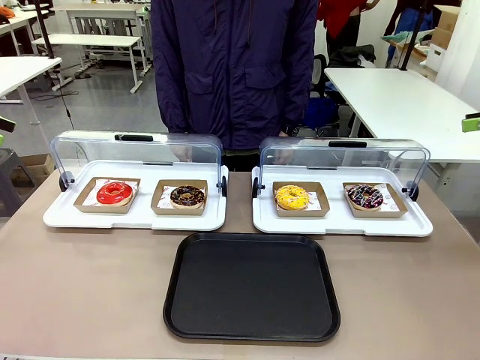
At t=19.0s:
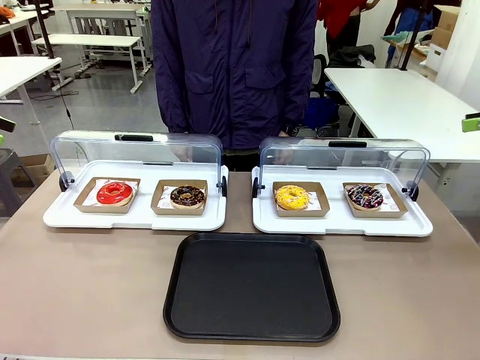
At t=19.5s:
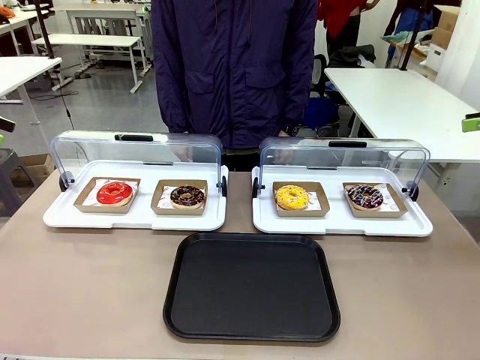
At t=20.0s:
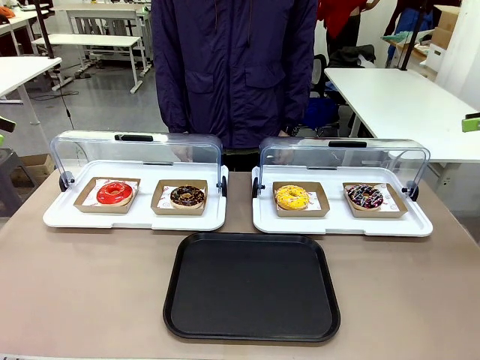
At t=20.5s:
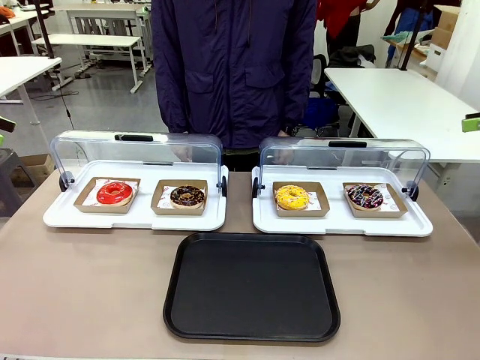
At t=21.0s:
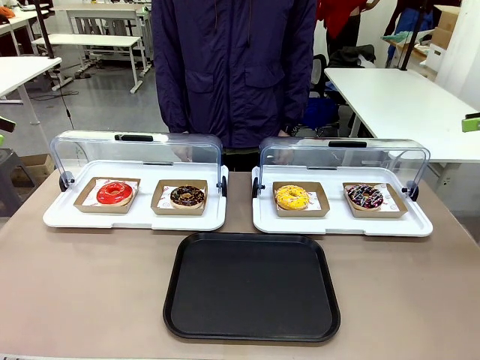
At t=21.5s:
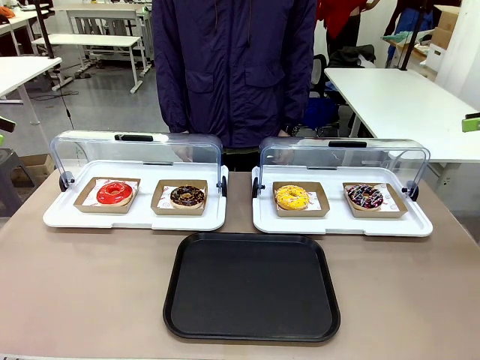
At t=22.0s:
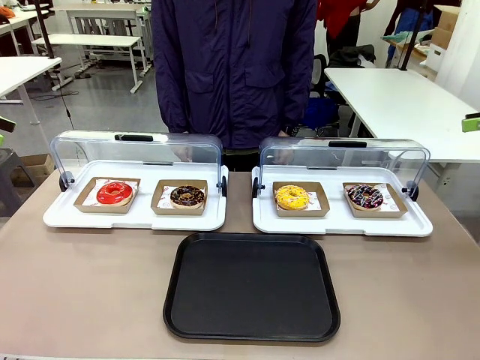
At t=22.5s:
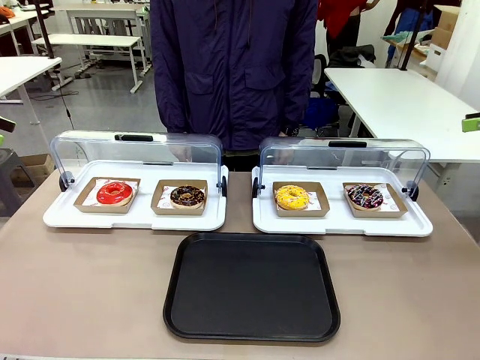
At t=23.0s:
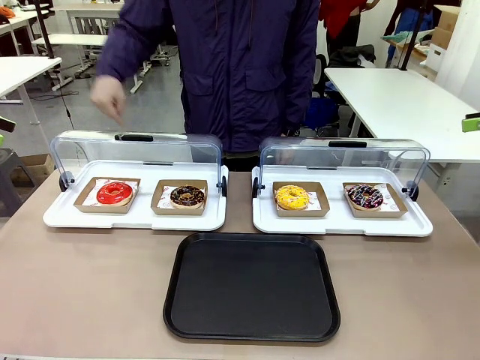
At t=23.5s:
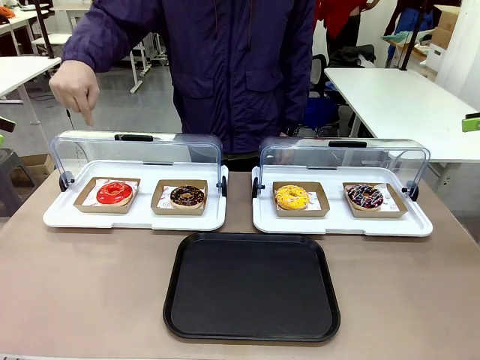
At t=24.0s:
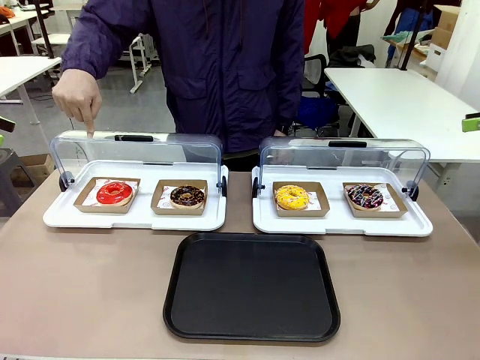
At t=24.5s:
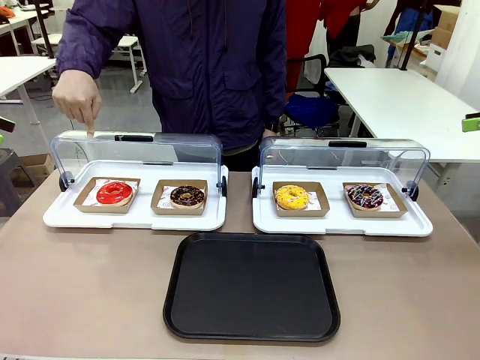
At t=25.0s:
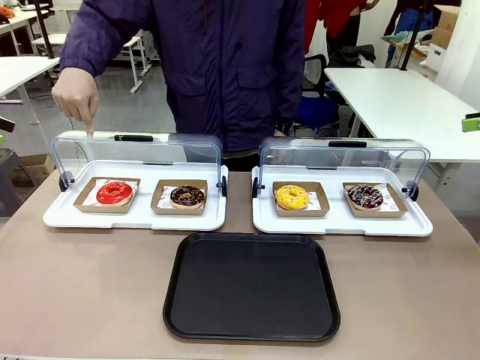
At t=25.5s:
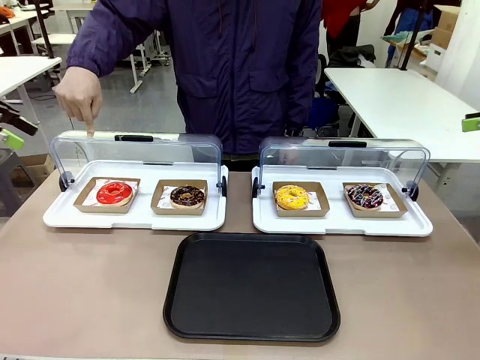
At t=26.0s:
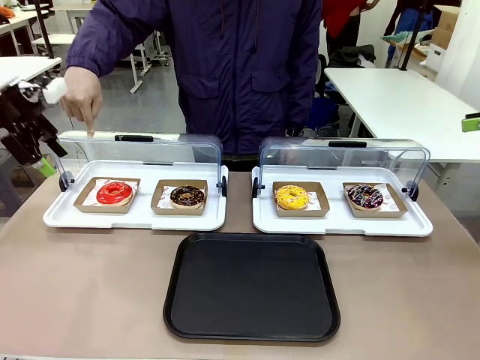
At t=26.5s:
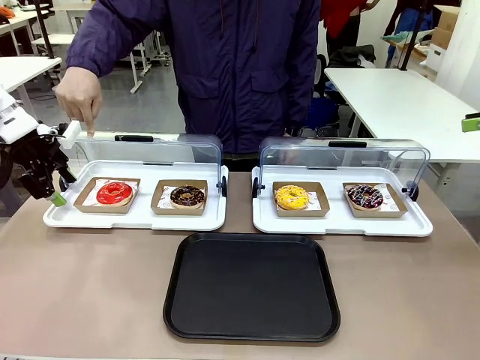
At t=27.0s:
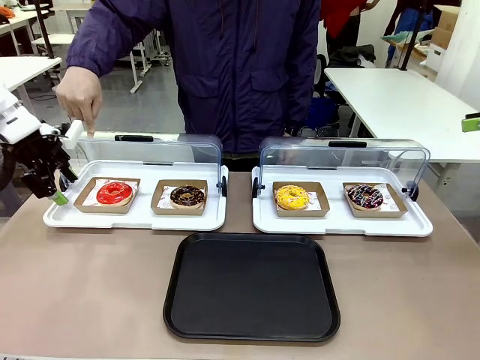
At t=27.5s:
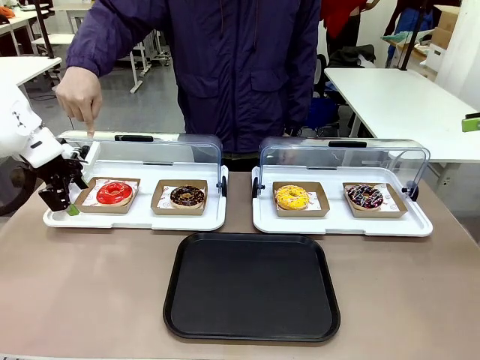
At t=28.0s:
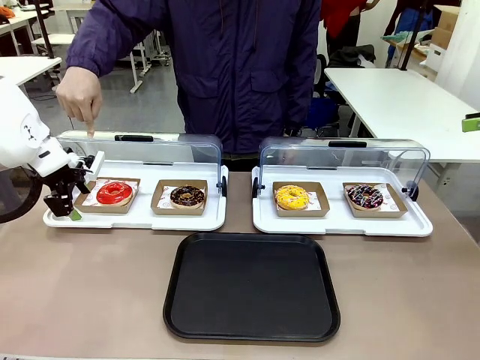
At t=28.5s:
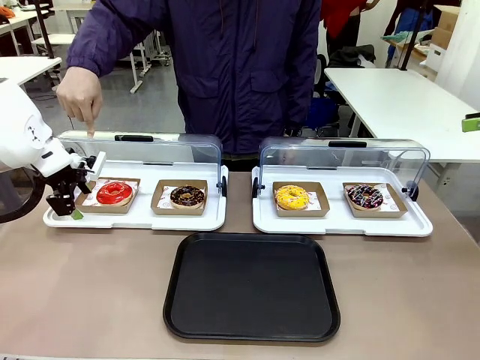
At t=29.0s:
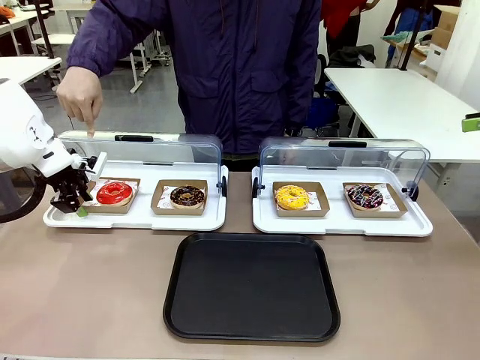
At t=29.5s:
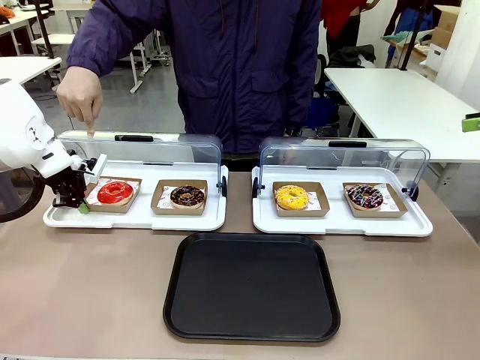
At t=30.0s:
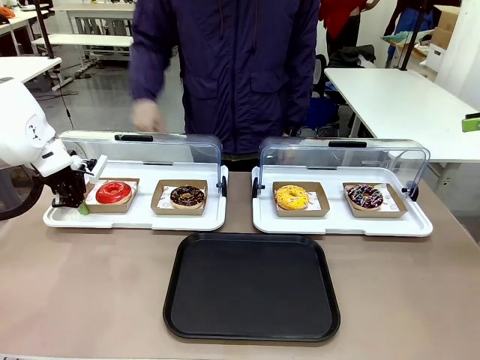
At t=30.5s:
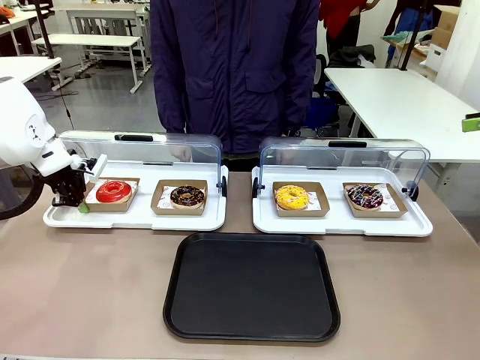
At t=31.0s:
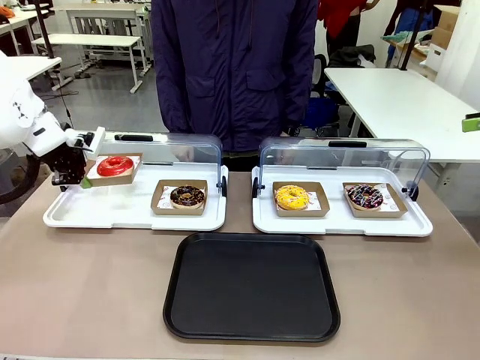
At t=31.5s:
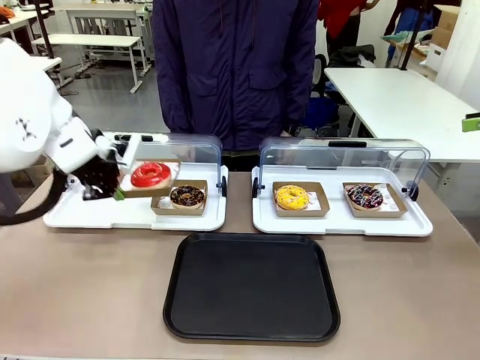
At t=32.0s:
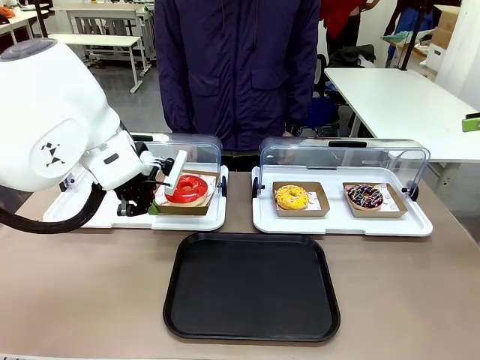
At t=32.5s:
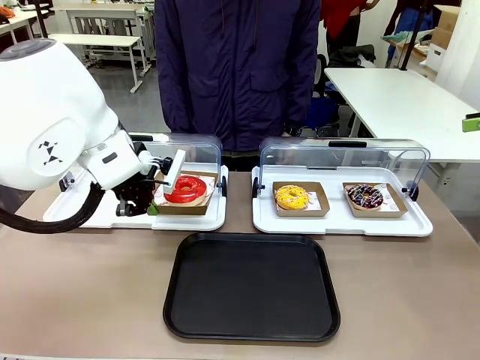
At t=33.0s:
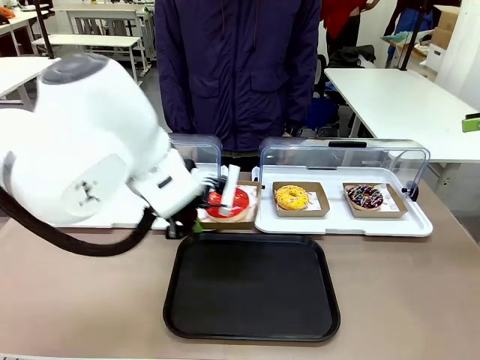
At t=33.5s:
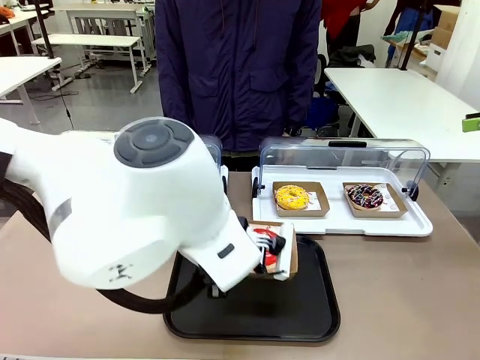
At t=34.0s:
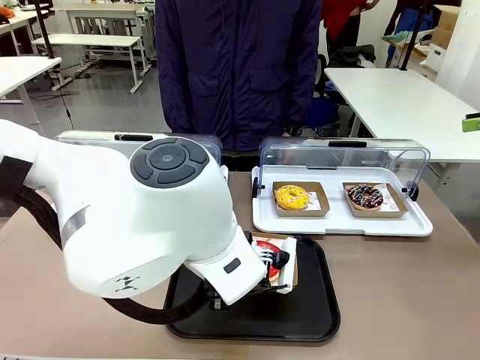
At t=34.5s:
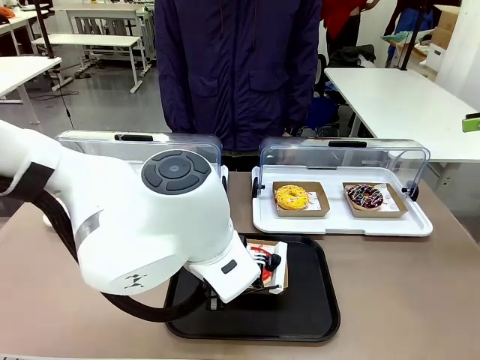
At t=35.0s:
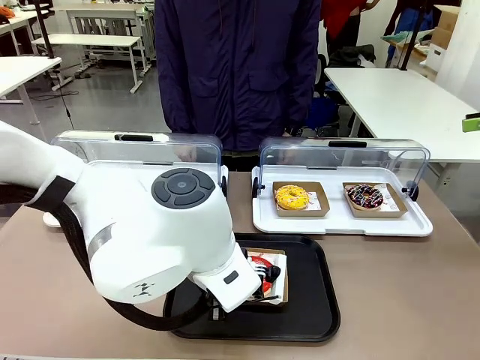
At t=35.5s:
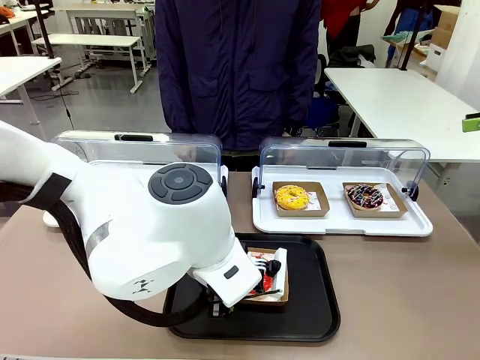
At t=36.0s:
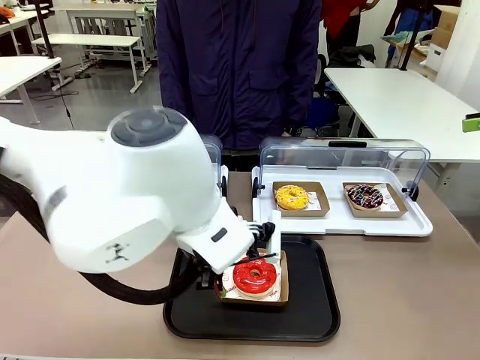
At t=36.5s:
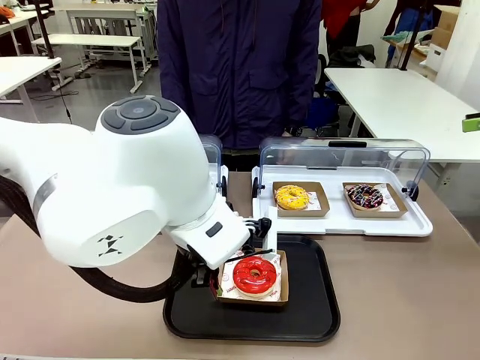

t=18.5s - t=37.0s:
Task: Move the first donut from the left to the tray.
Robot: Pick up the Paper togo box containing the Donut indicated by the person and place it on the Handle tray.
